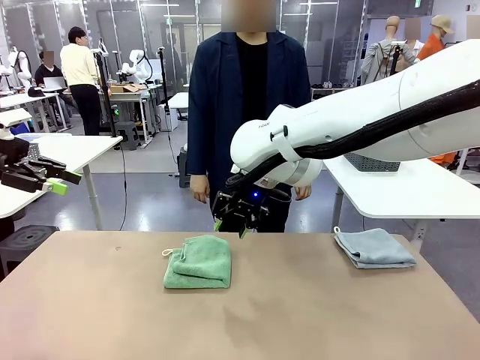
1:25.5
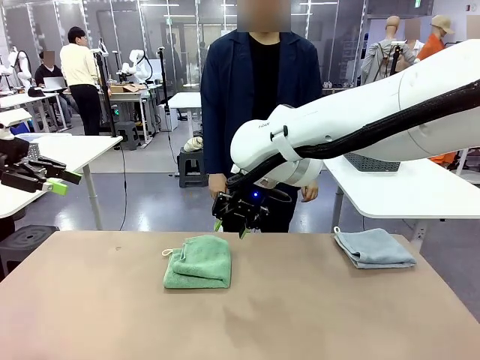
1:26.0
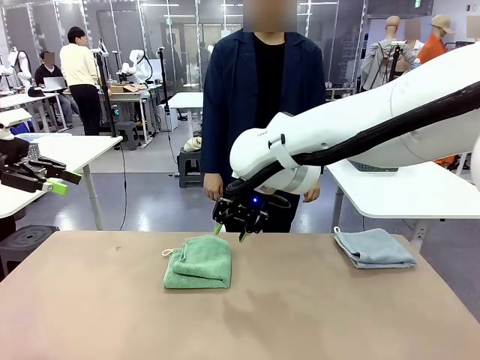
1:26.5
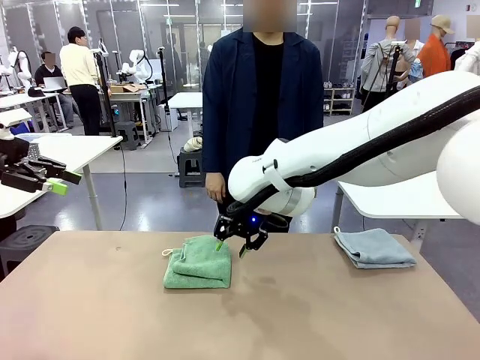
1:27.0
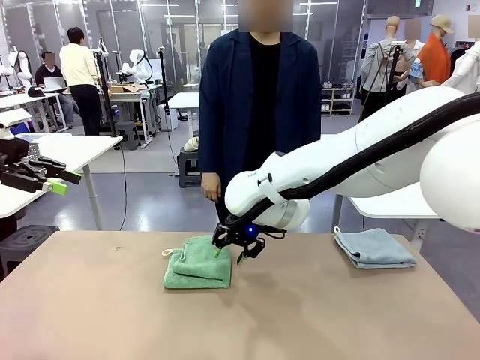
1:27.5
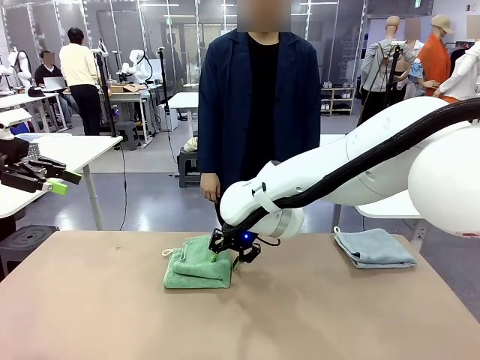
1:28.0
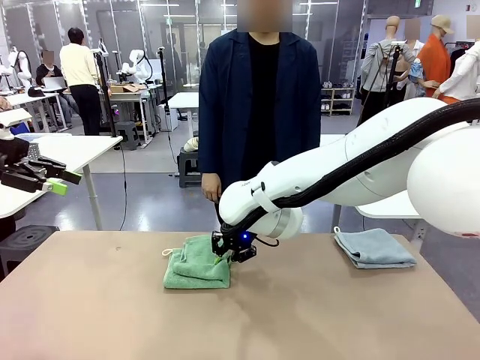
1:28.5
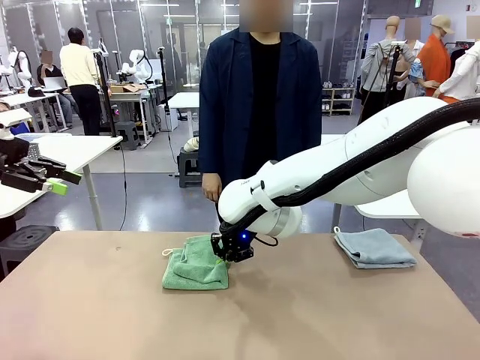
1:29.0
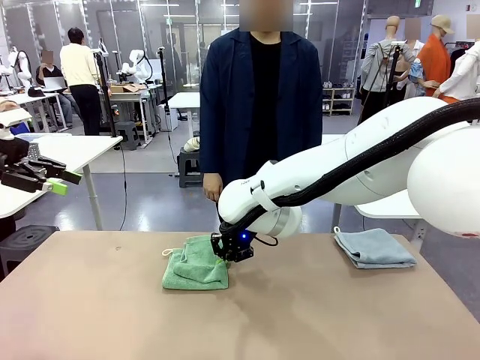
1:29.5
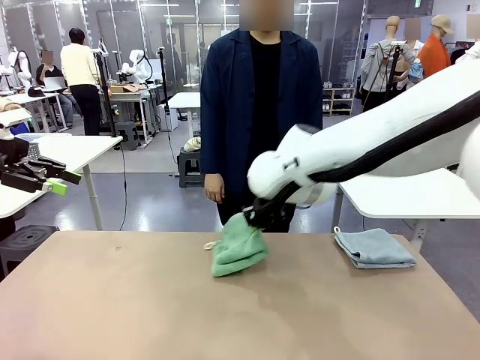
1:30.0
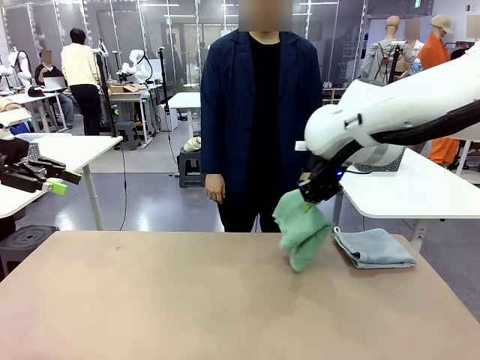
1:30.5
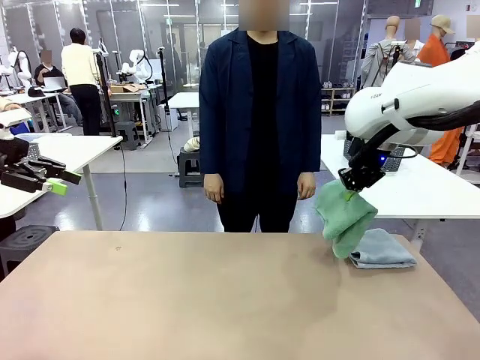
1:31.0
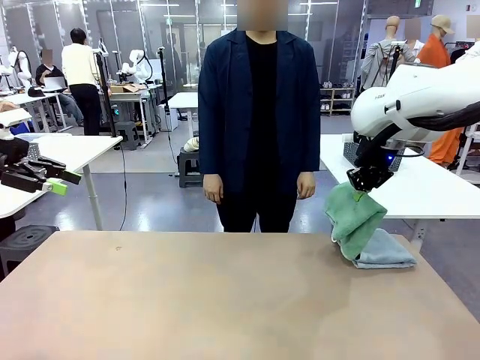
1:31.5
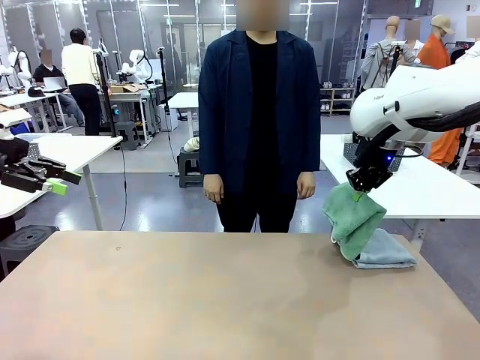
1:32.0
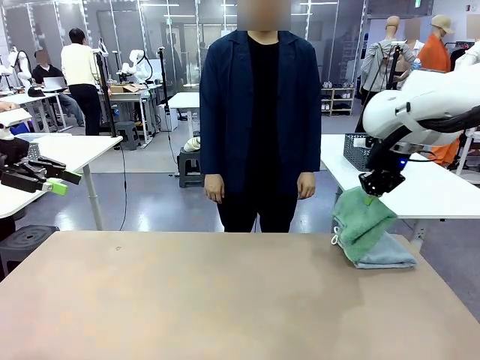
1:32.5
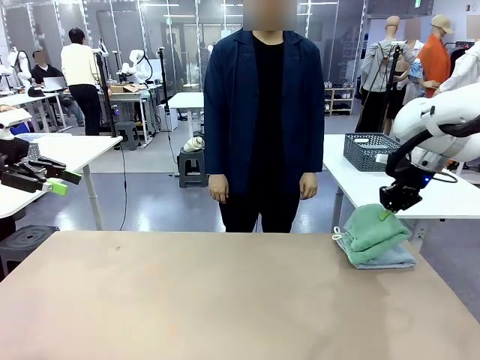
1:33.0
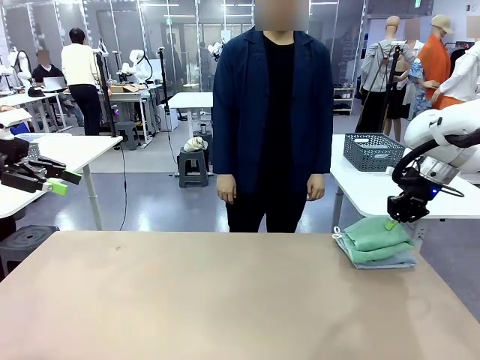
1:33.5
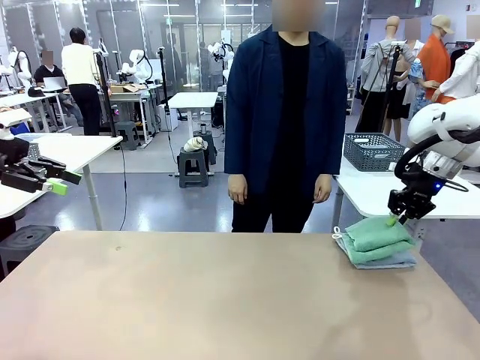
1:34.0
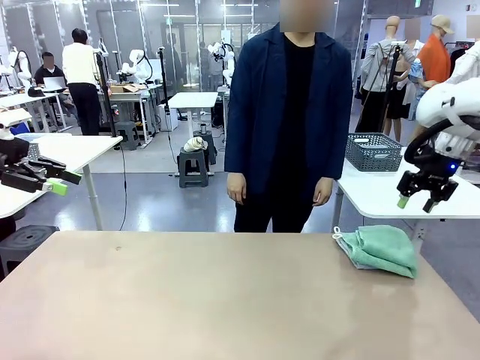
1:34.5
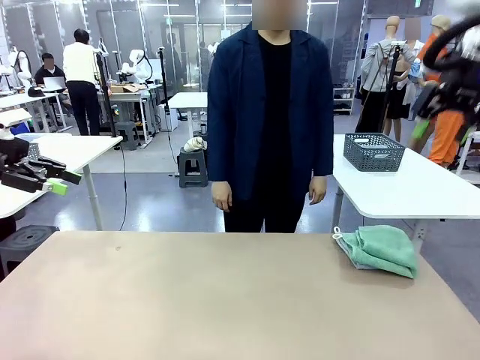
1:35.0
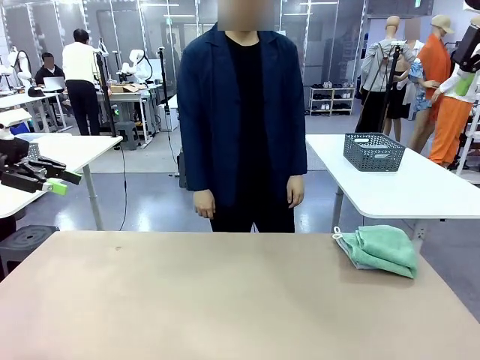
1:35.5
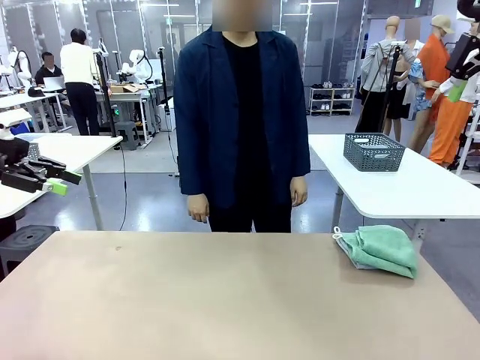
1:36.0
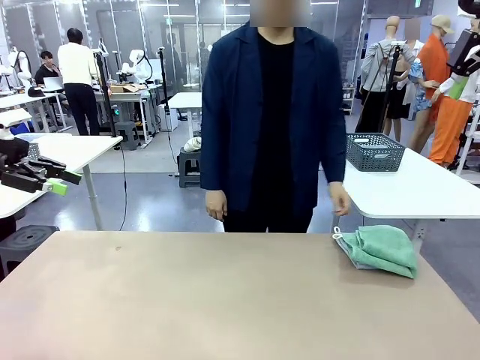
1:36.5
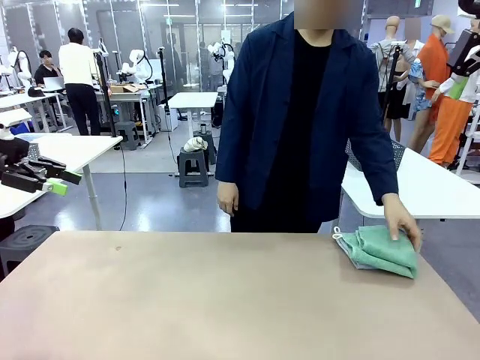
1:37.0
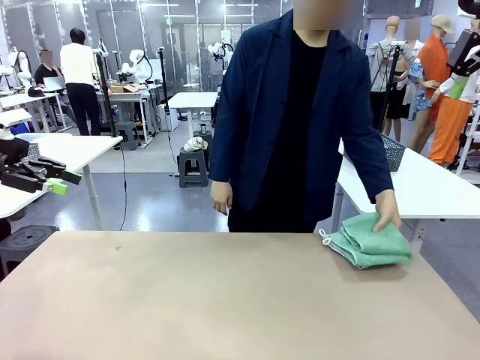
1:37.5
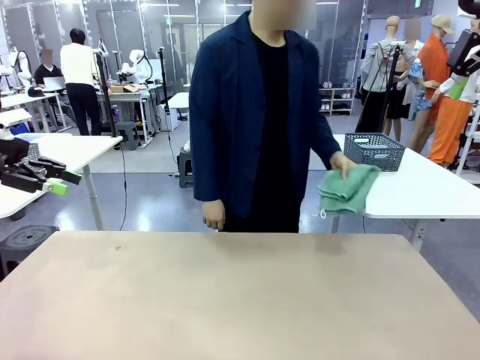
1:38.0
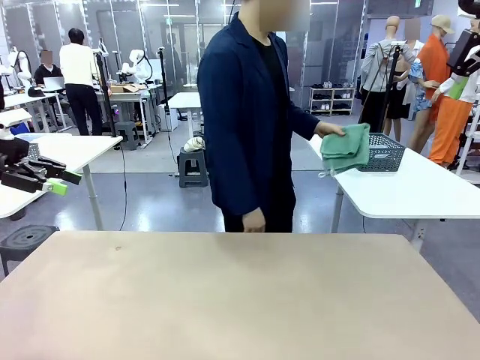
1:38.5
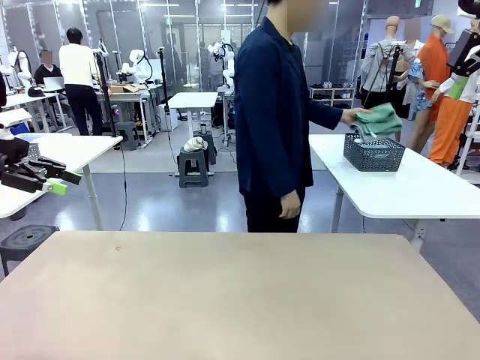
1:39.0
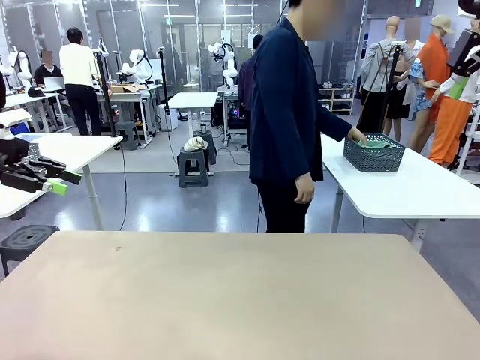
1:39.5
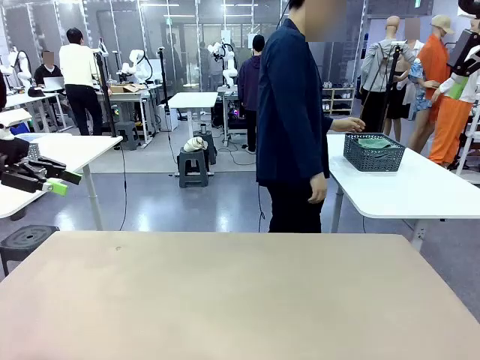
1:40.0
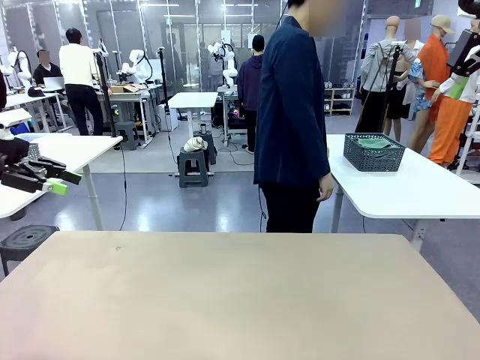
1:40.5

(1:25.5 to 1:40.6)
Task: Fold the towels and place them in the basket.
Robot: Stack the folded Towel with hook on the right side of the table.
Person: Pick up the stack of towels from the robot table and place it into the basket.

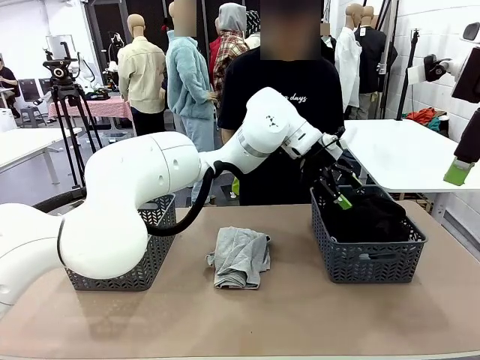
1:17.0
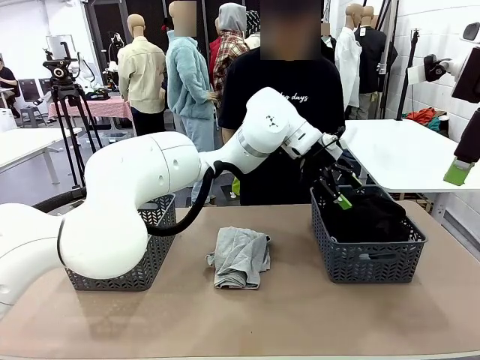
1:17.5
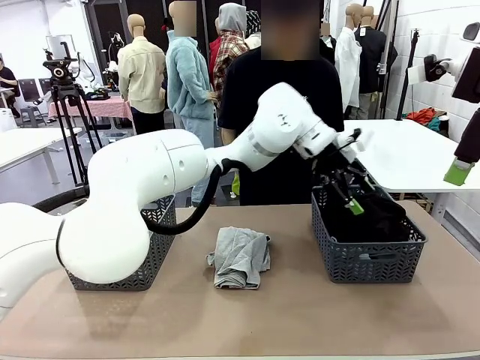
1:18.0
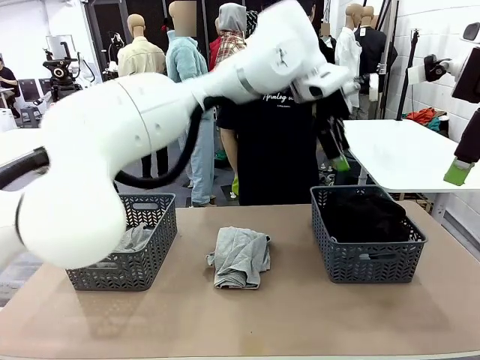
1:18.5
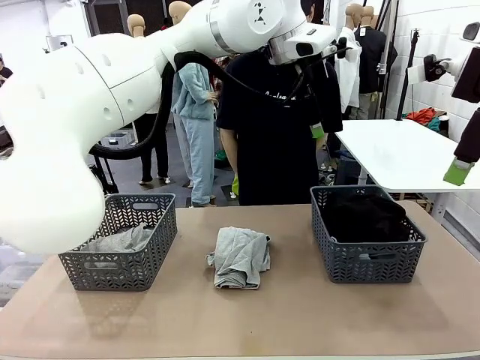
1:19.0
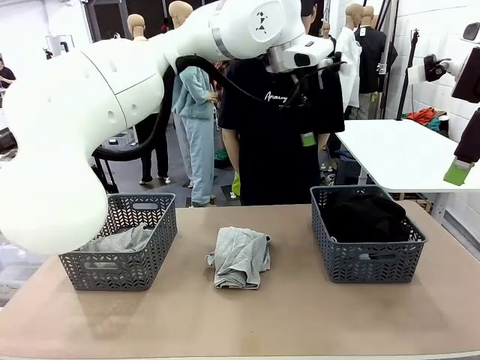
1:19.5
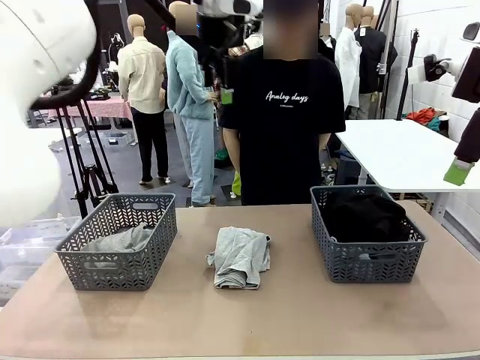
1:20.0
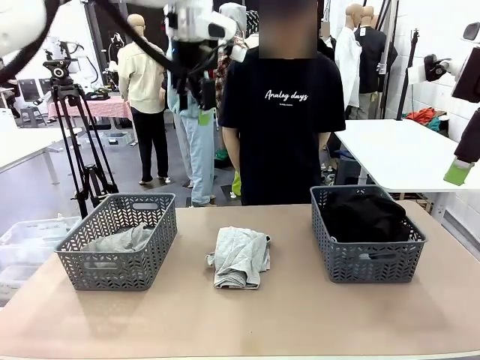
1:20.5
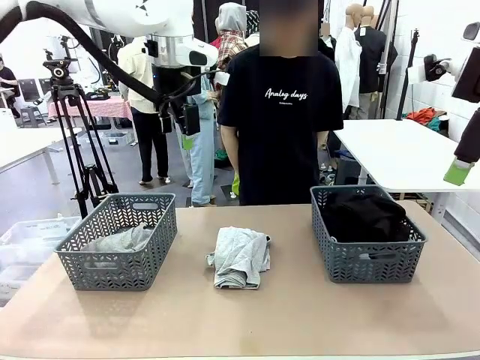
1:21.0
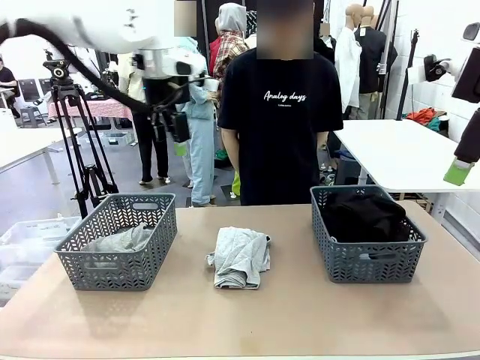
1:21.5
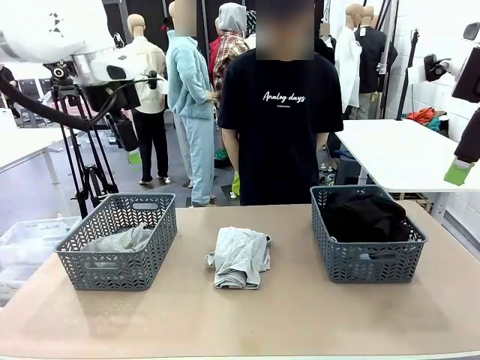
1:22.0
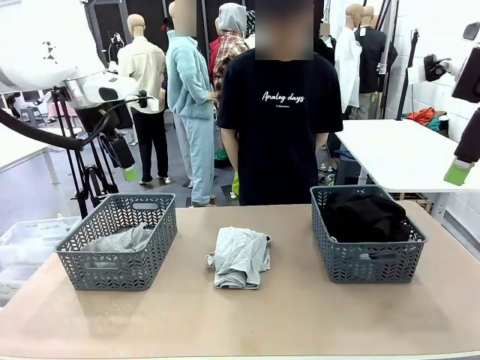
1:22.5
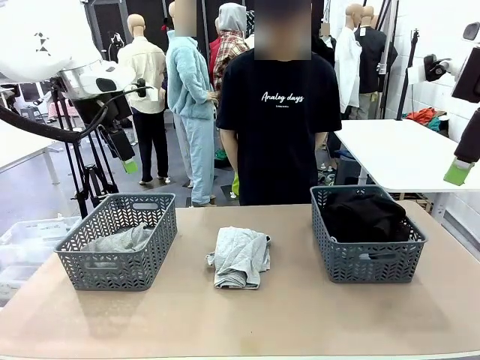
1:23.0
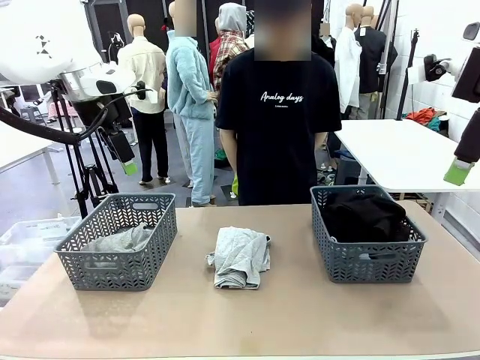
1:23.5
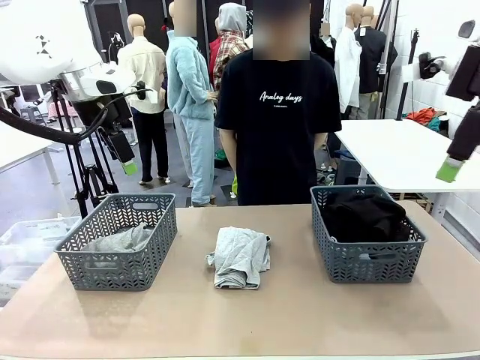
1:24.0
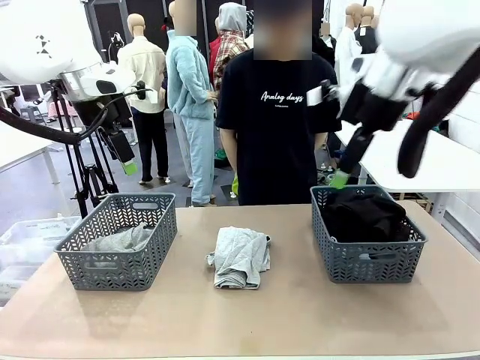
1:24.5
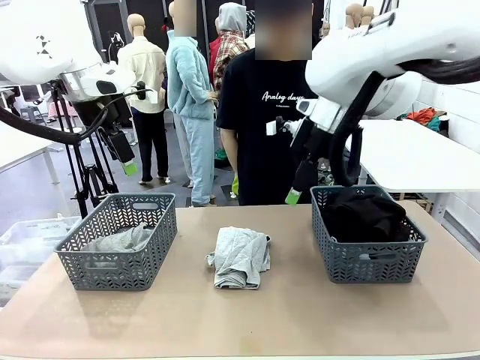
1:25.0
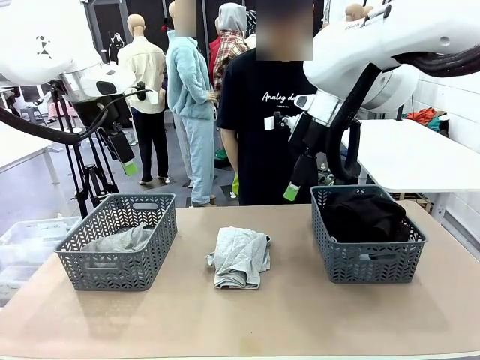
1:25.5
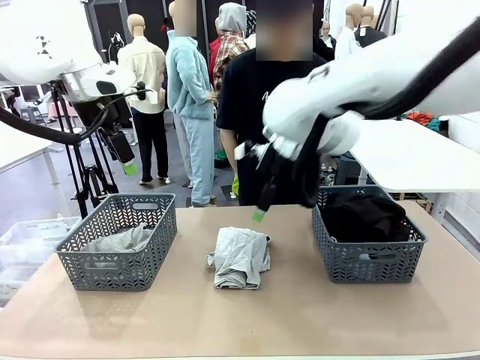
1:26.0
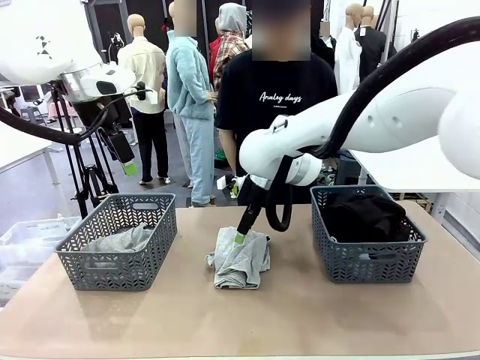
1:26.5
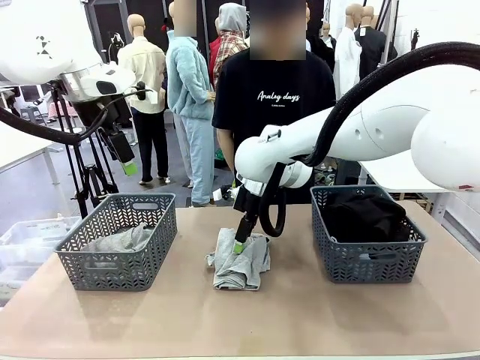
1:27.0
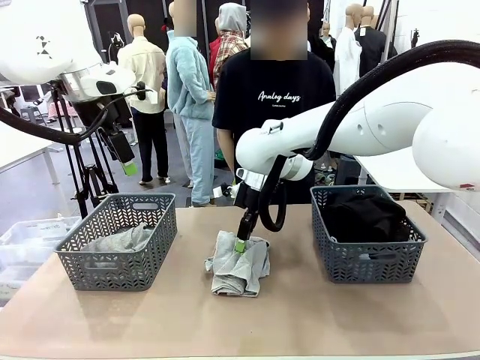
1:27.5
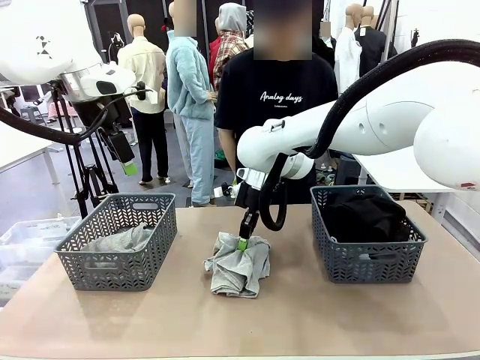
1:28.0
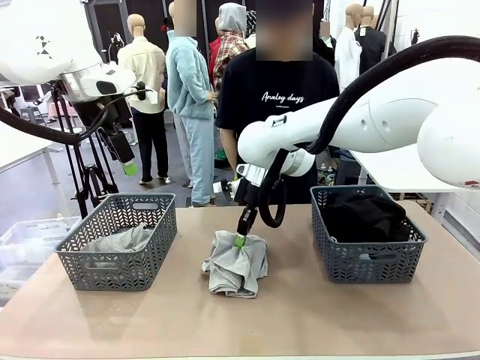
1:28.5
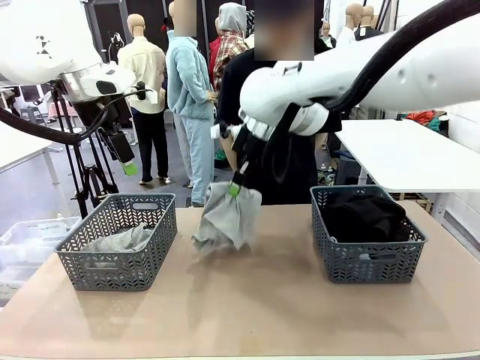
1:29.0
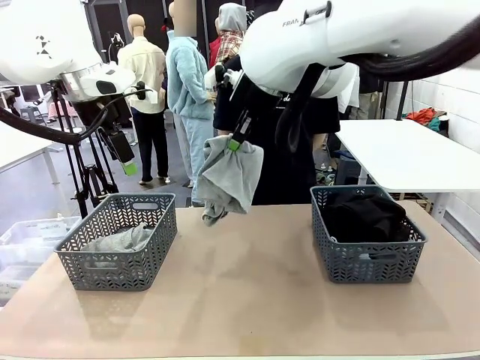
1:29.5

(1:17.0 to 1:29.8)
Task: Sort the tops and bottoms.
Robot: Lift clothes from the center of the table with your right hand.
